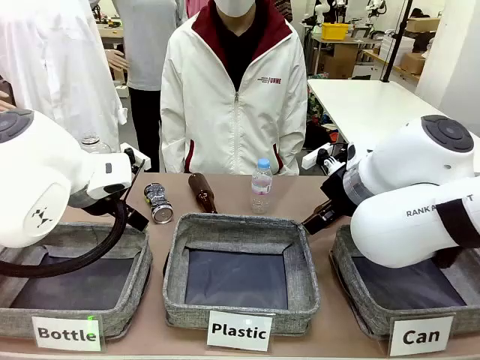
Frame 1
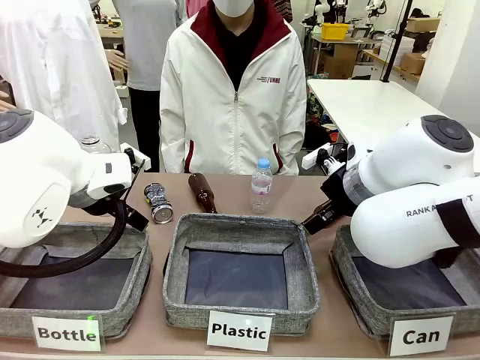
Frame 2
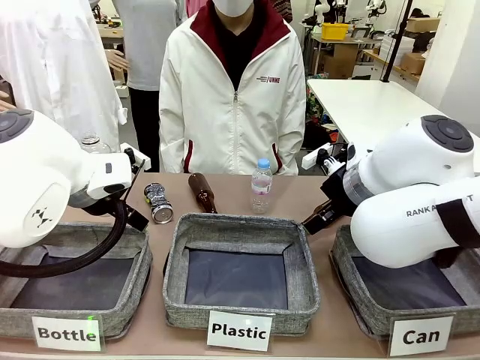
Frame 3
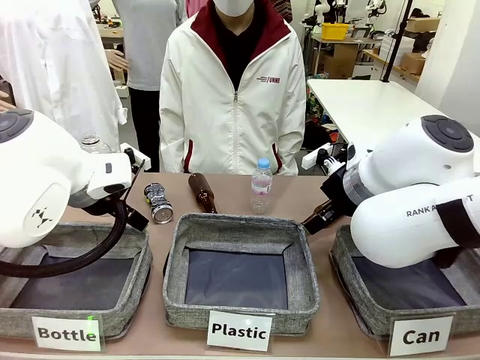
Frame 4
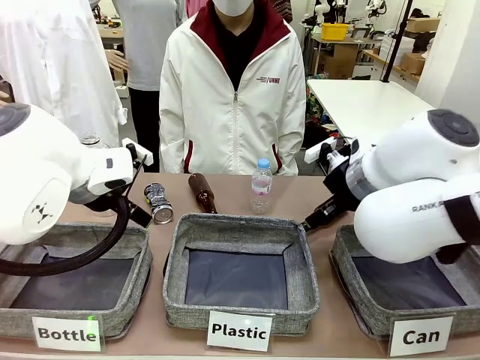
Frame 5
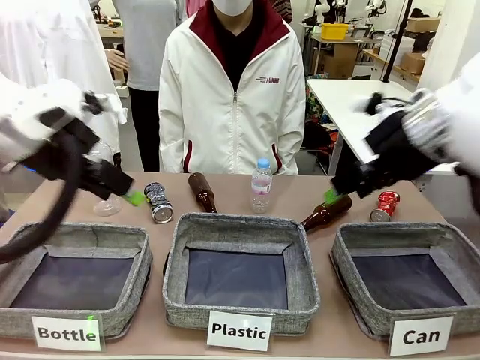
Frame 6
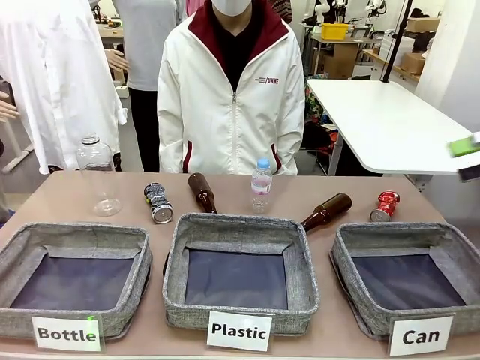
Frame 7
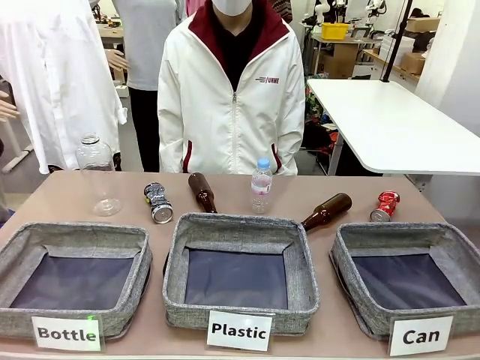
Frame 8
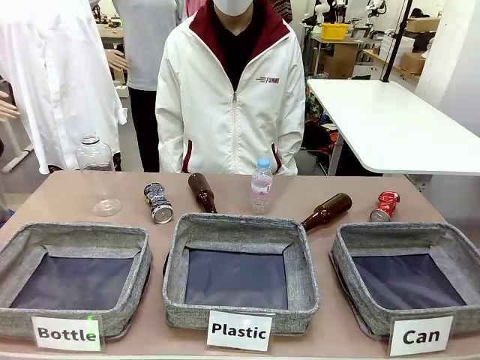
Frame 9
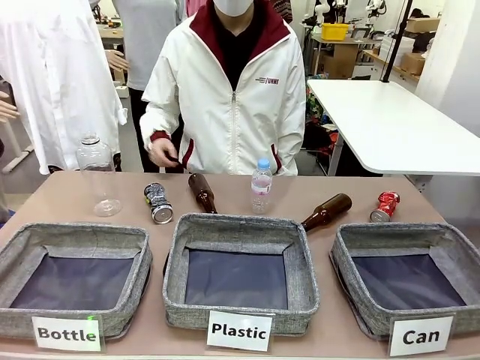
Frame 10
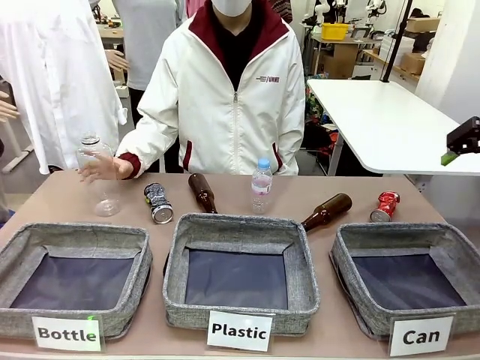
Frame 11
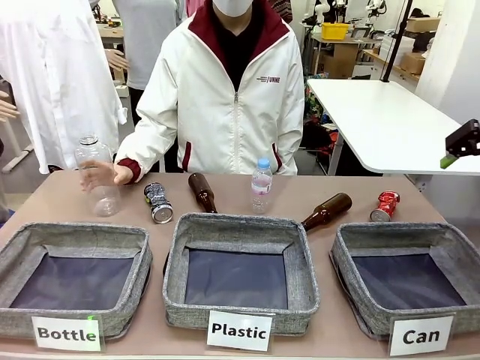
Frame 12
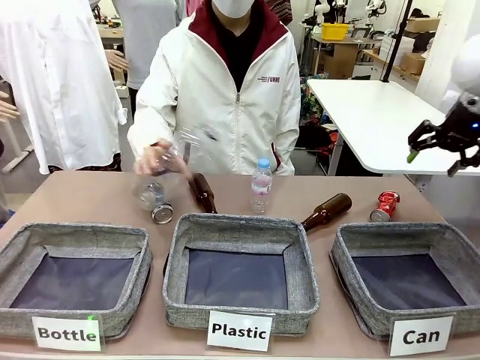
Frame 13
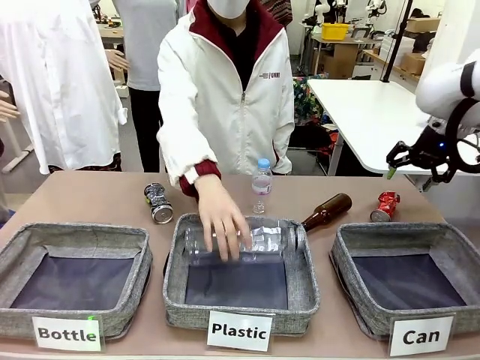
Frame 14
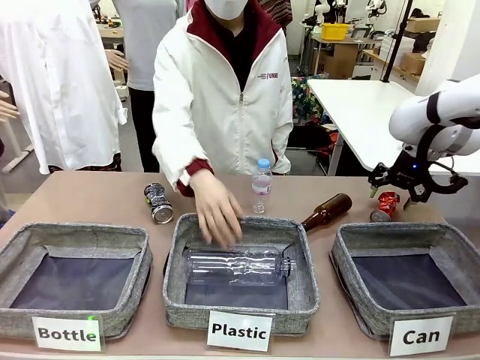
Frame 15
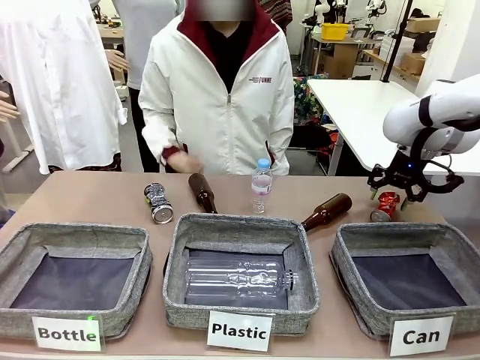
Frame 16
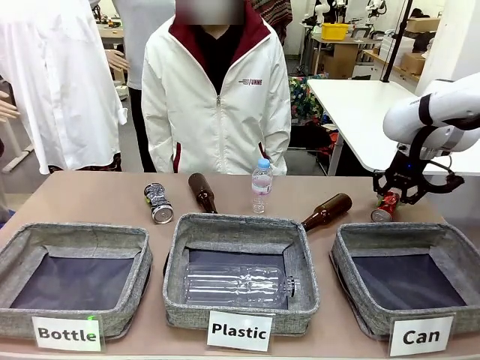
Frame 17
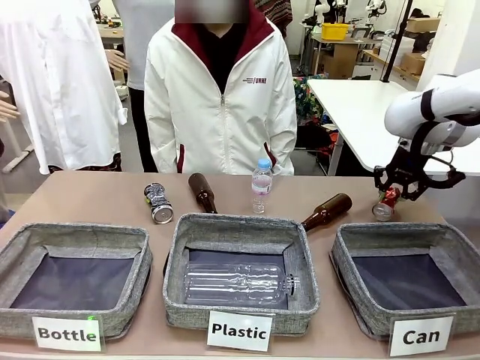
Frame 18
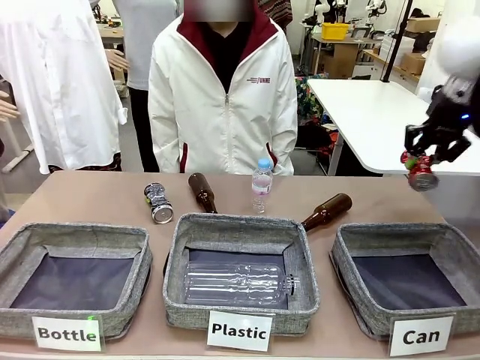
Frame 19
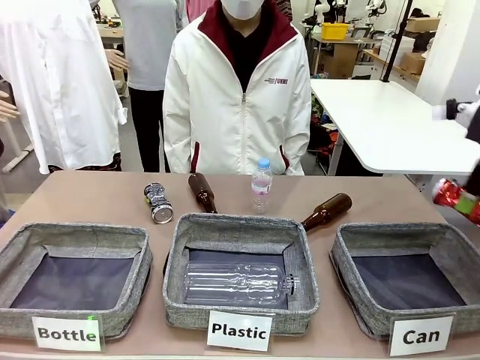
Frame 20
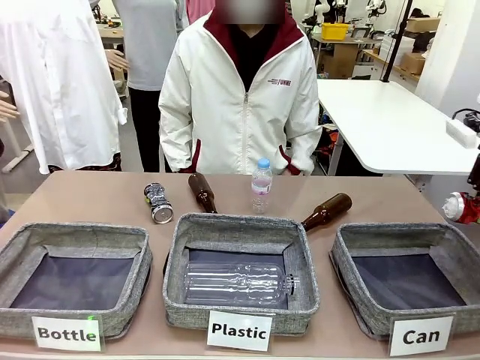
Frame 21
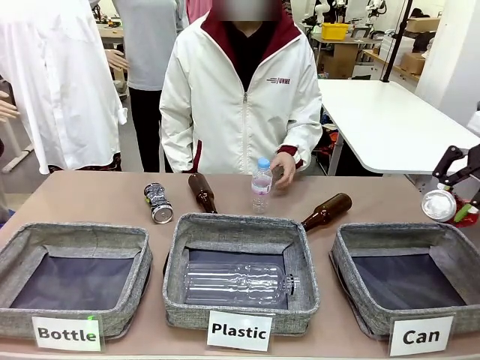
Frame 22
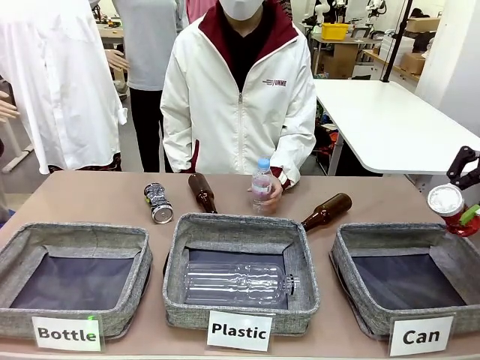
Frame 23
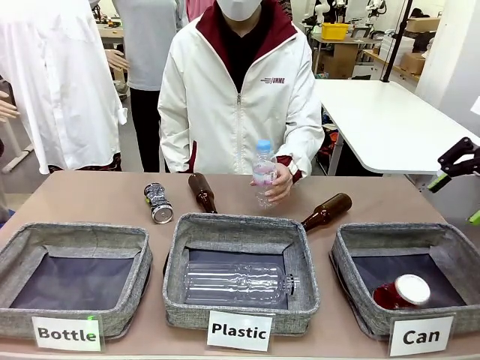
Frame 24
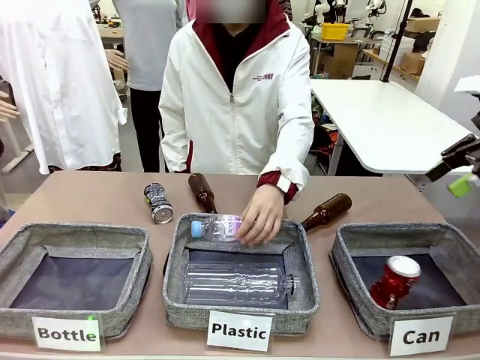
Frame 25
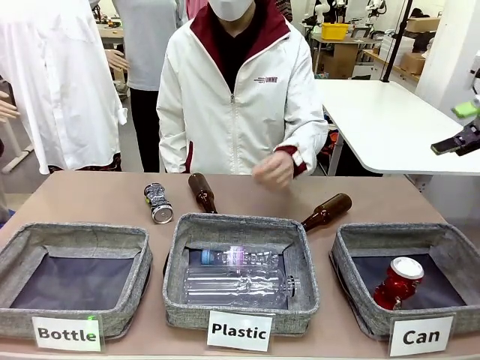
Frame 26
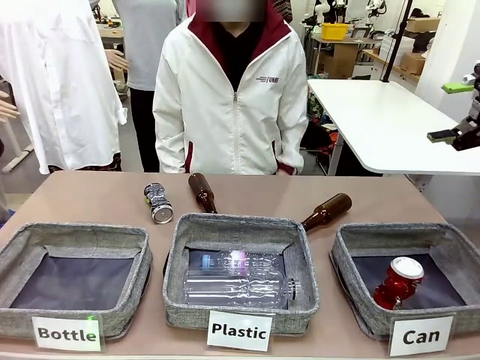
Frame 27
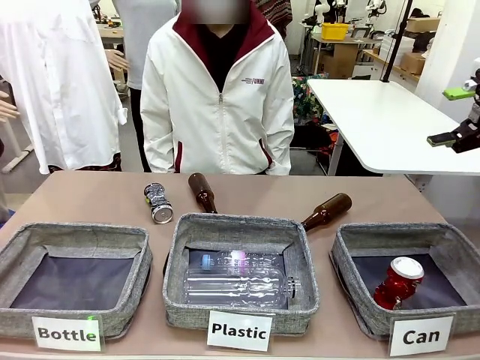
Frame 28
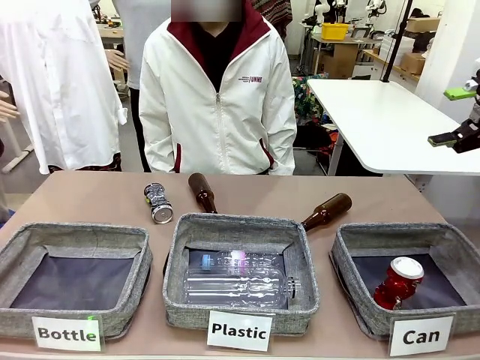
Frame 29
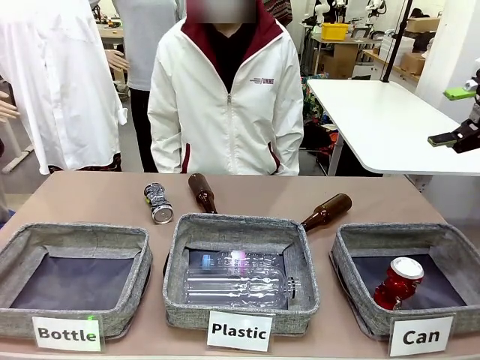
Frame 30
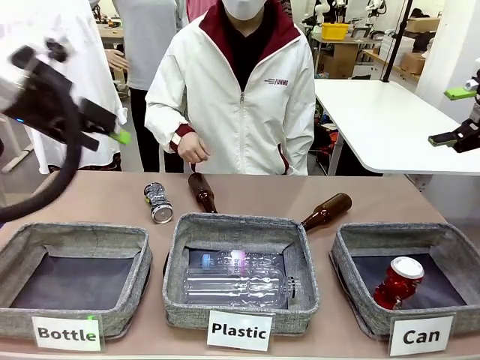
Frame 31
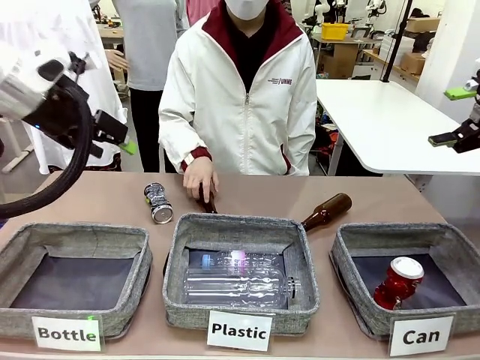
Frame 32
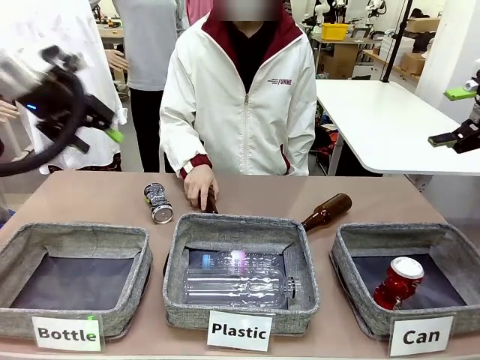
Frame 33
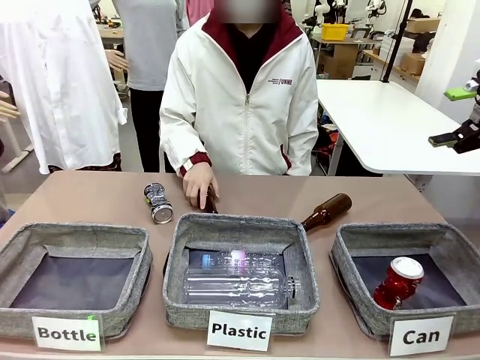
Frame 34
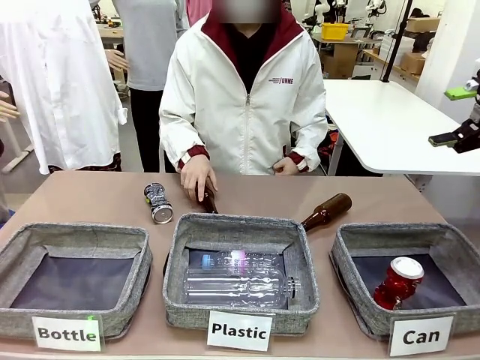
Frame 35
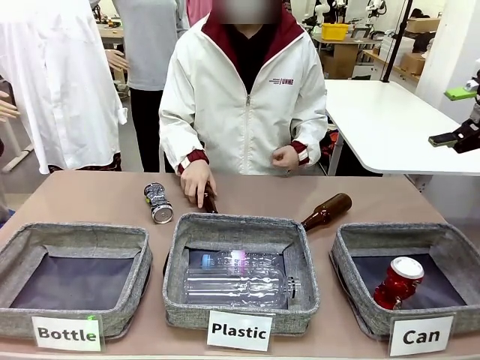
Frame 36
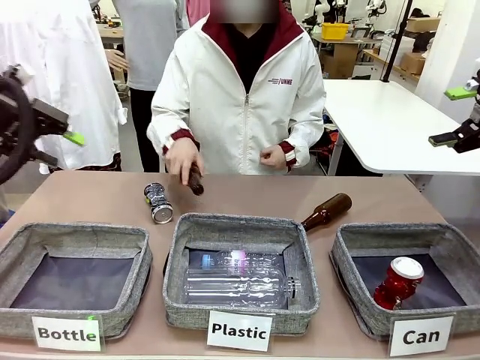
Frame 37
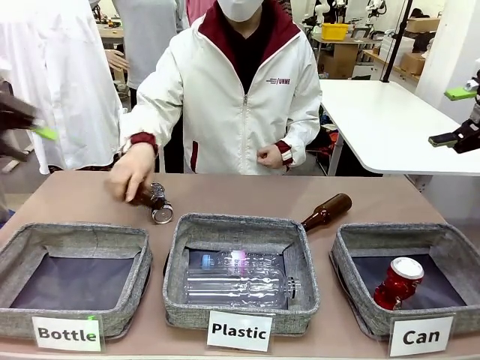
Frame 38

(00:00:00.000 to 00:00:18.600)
Task: Sort the can waste into the basket.
Robot: Pick up the can waste from the table and place it in the right Fabric basket.
